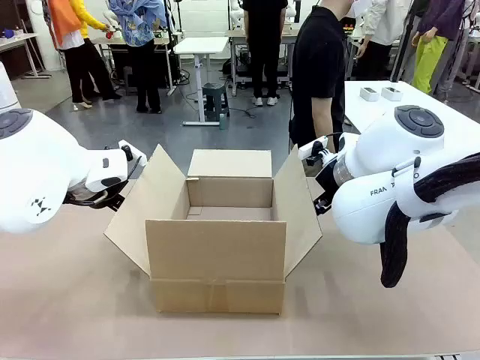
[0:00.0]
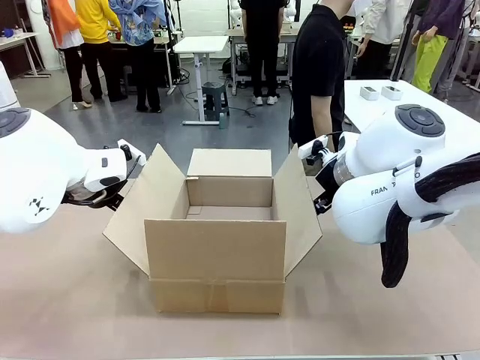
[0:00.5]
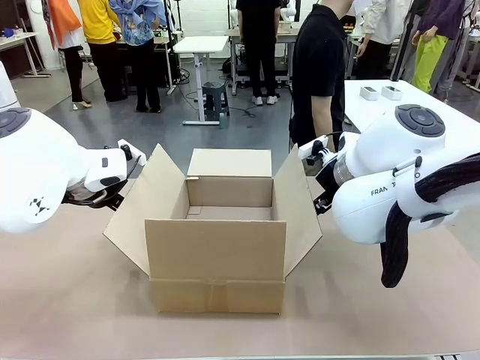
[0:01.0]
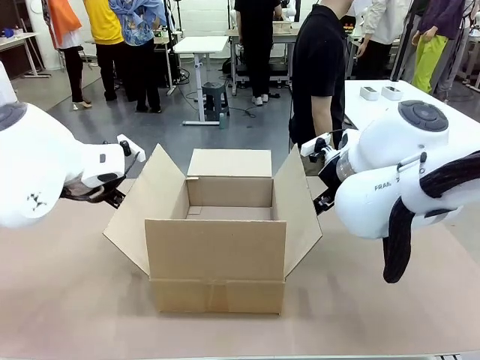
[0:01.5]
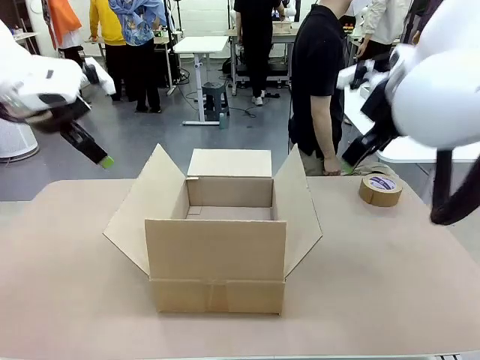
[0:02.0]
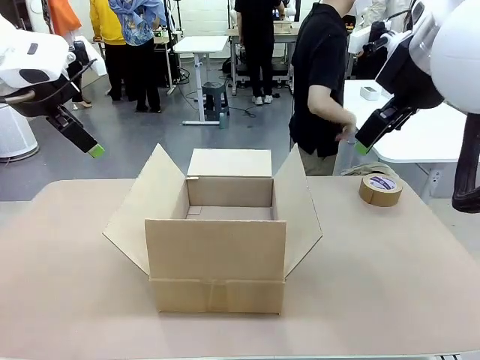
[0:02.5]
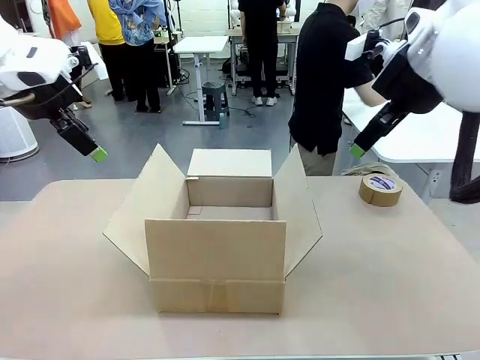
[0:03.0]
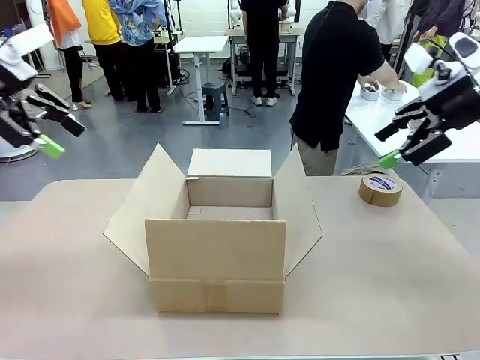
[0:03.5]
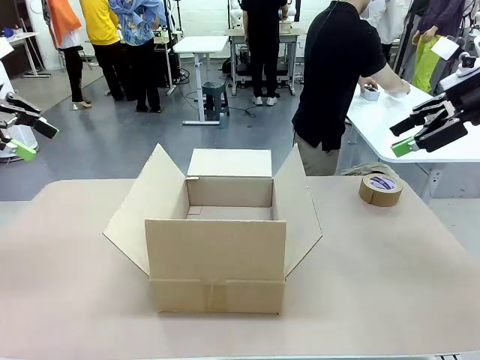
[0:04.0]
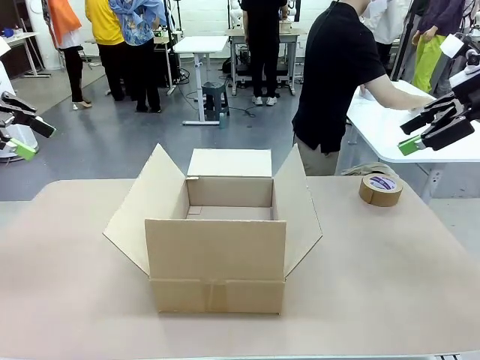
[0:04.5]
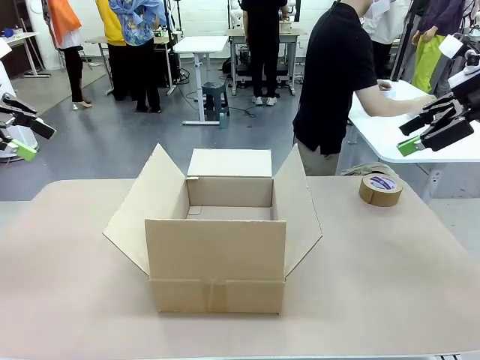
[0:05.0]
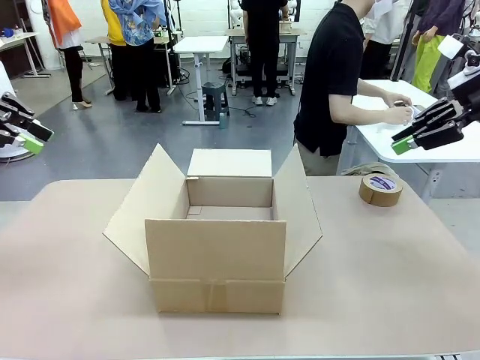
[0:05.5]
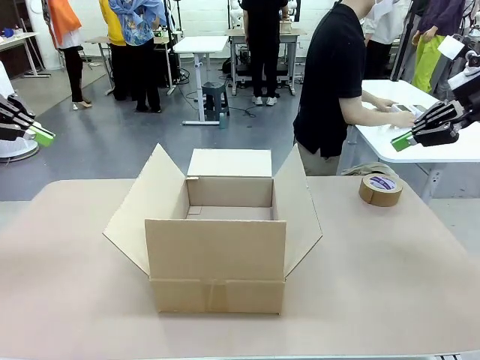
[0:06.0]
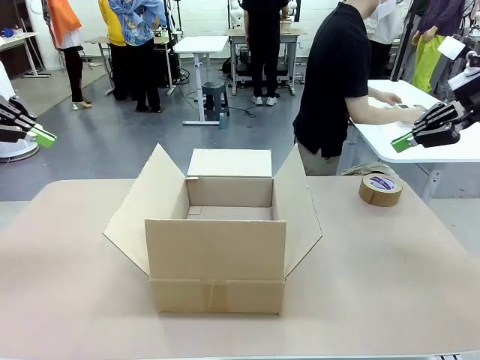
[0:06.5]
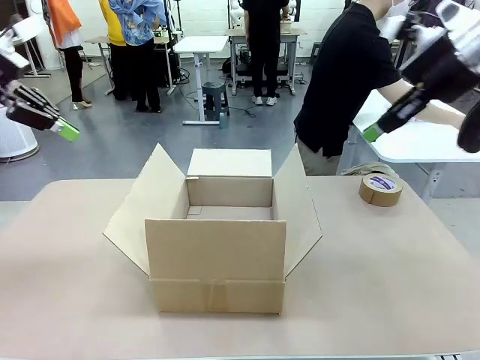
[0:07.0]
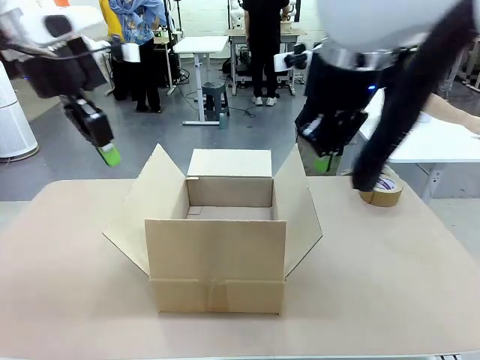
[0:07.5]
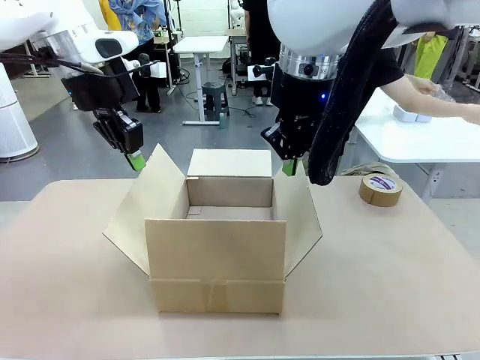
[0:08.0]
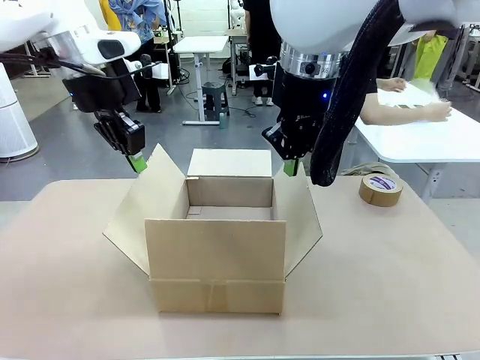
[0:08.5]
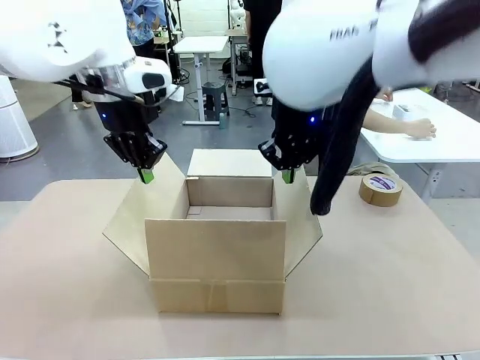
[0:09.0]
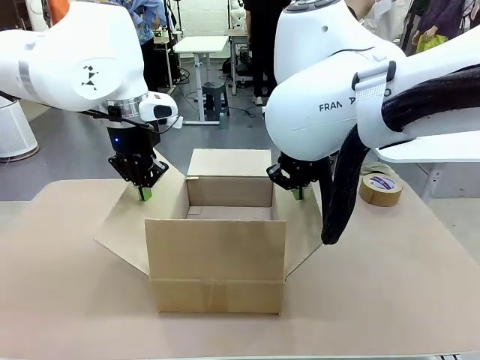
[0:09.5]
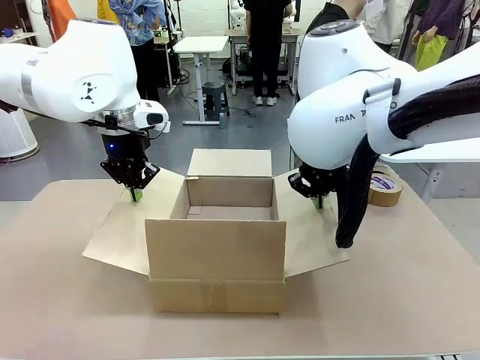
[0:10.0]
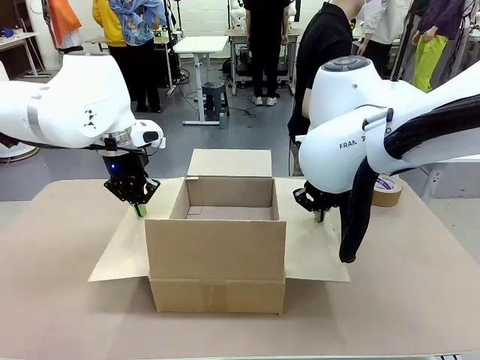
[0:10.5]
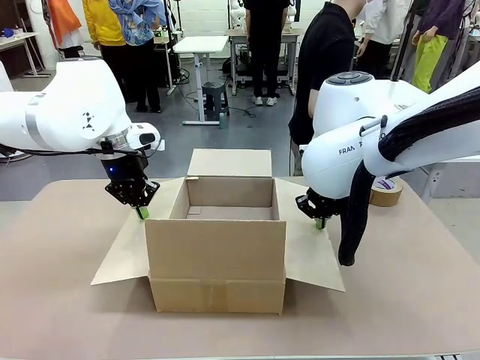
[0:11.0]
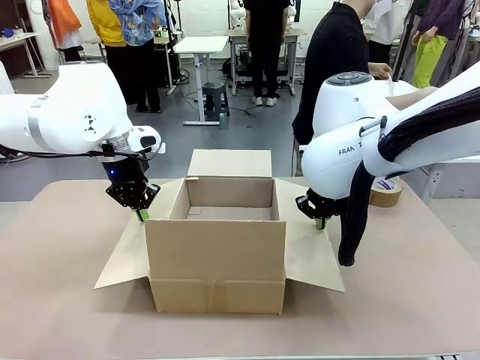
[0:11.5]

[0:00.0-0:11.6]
Task: Wrap the clocks to prevent damage.
Robot: Open the side flaps of the Package Box.
Person: Wrap the two Digital clocks with Bubble Wrap.

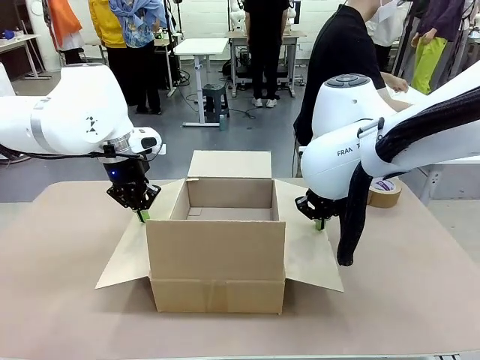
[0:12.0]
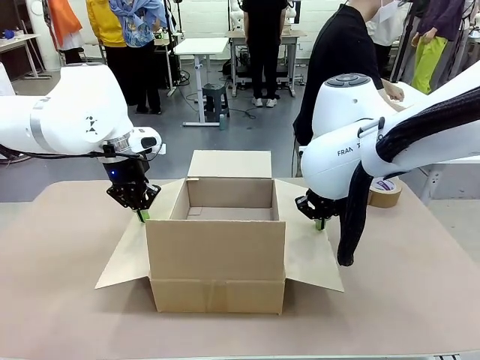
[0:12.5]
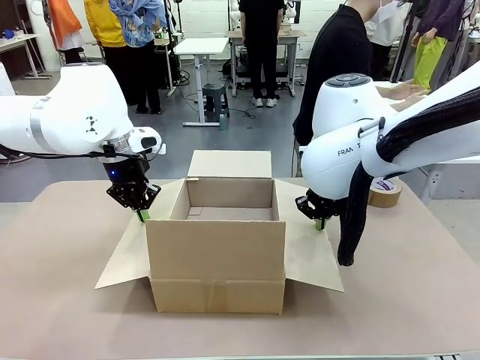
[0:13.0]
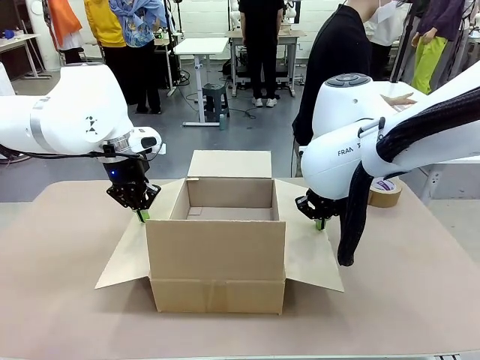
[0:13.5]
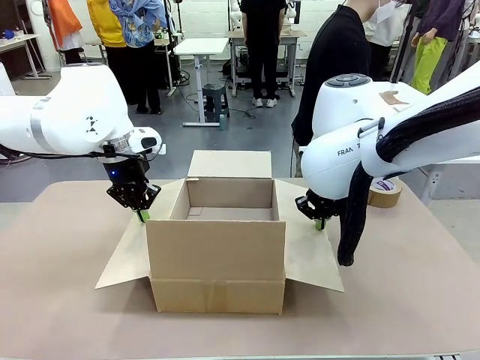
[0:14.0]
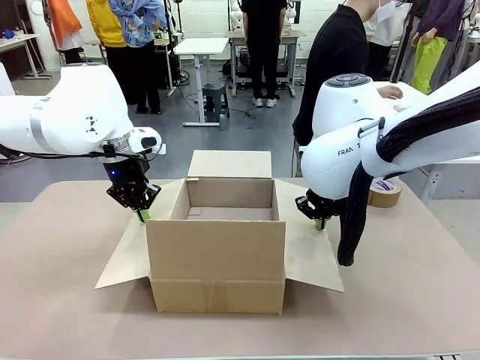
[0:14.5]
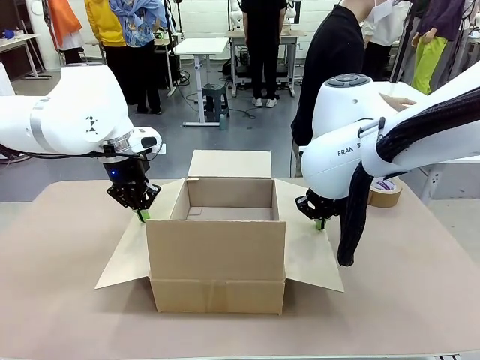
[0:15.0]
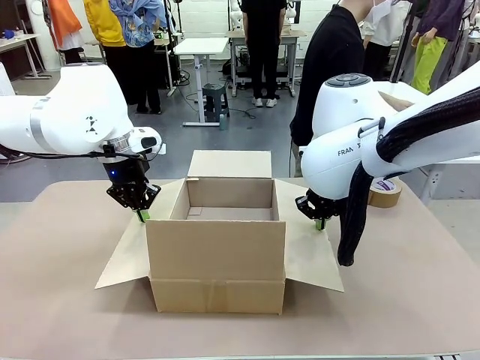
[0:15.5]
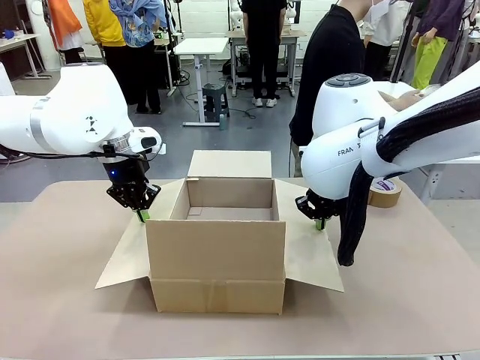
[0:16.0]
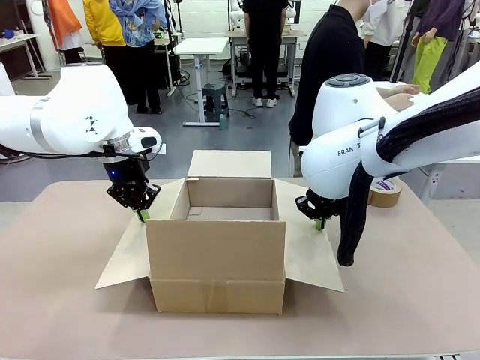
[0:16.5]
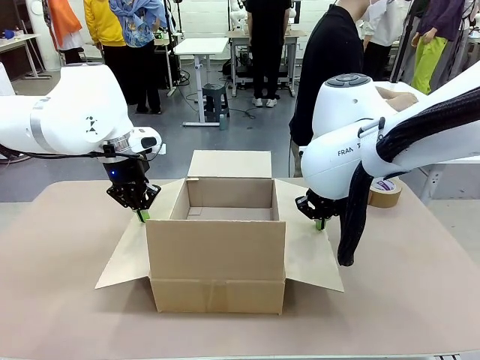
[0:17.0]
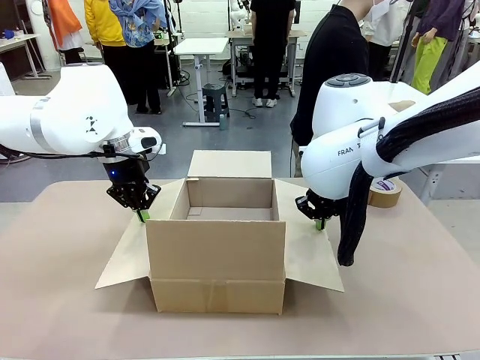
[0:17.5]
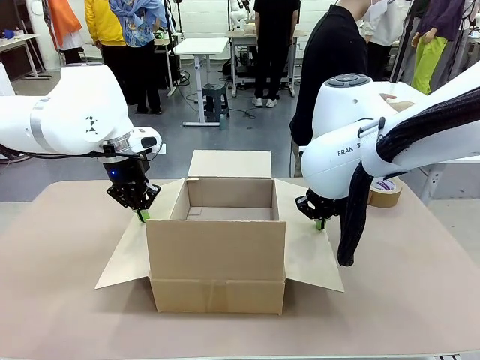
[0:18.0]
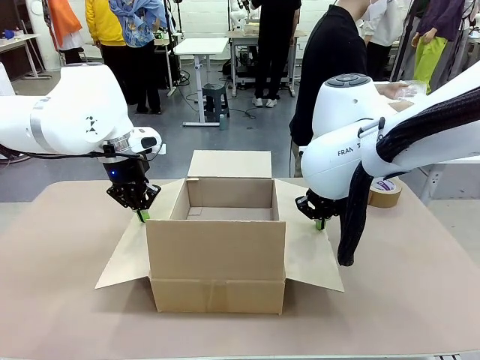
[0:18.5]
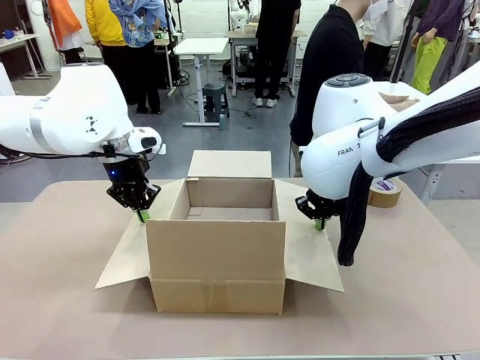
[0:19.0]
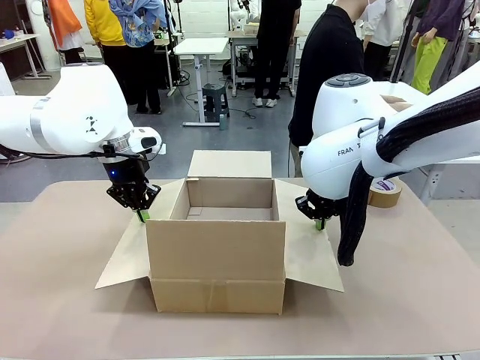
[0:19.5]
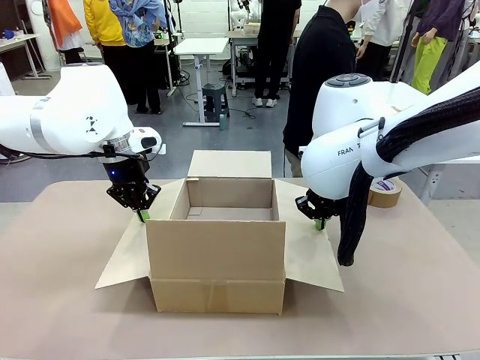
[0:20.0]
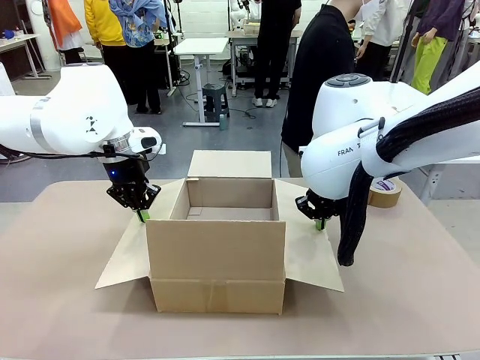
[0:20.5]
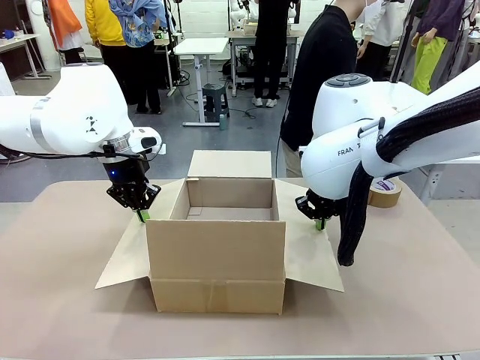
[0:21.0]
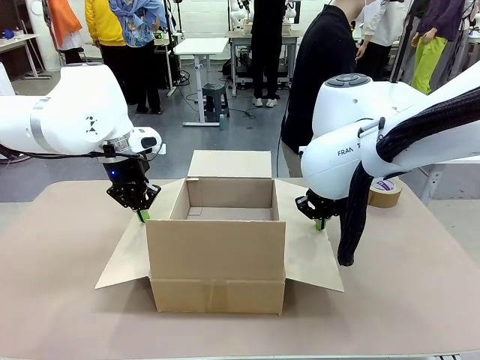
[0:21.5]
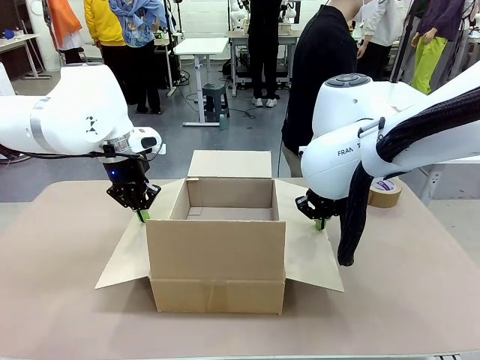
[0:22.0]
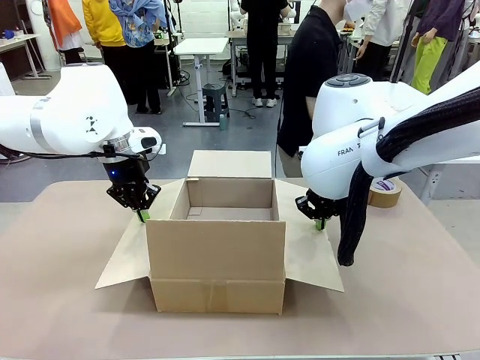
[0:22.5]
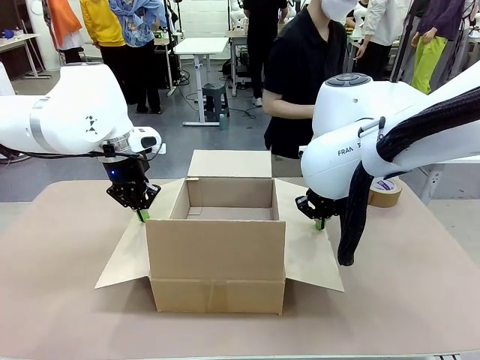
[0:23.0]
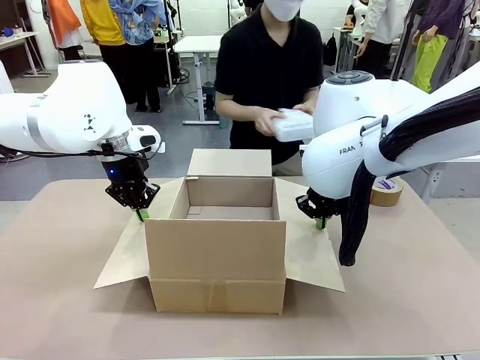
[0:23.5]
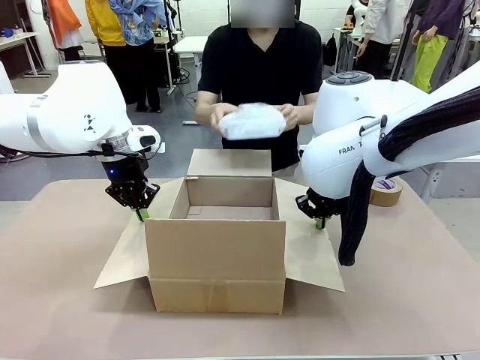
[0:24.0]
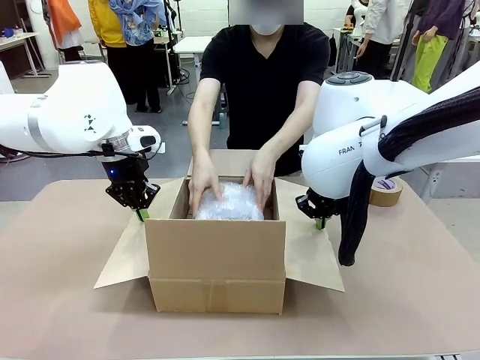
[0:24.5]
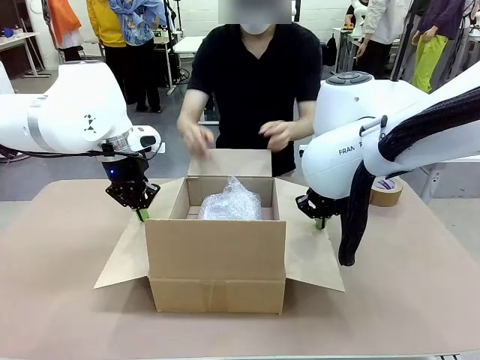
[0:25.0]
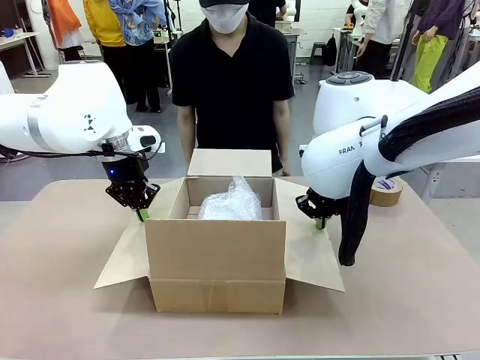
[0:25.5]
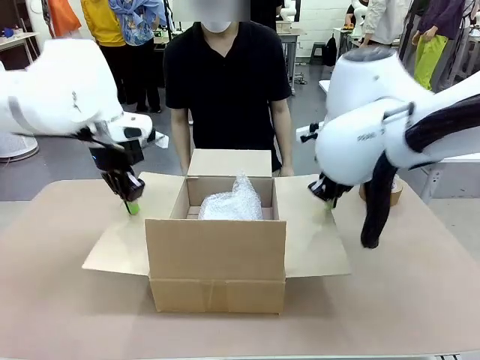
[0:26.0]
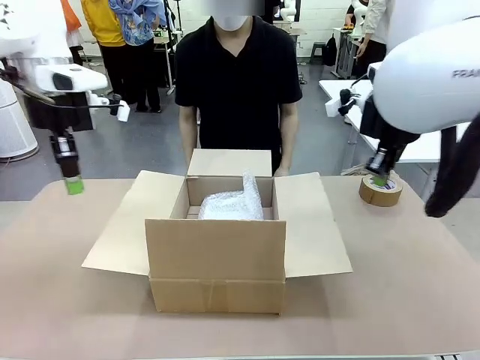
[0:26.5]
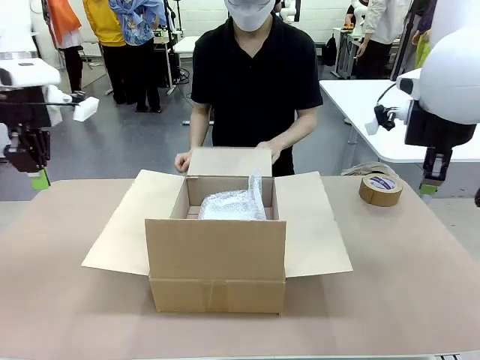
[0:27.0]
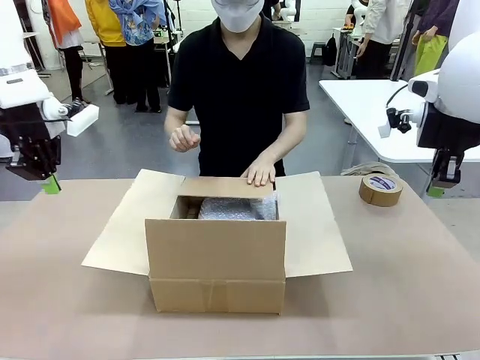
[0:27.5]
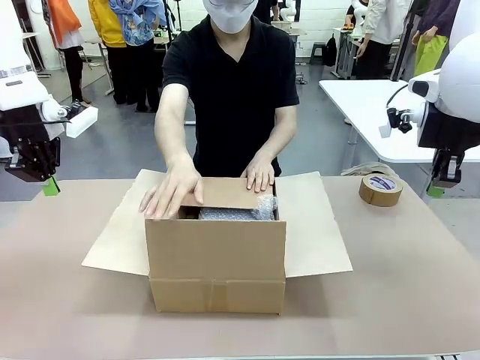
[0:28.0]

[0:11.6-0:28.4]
Robot: Once the human has placed the objects inside and stepped back, release both hands from the side flaps of the Package Box.
Person: Place the wrapped Digital clocks inside the Package Box. Hold the top and bottom flaps of the Package Box closed with your left (or right) hand.
